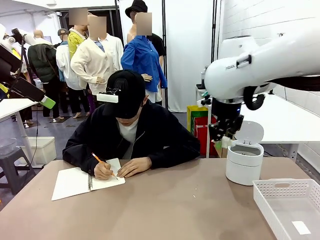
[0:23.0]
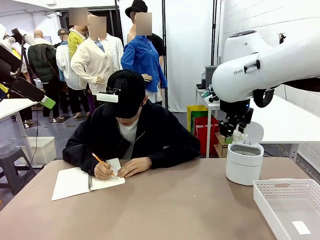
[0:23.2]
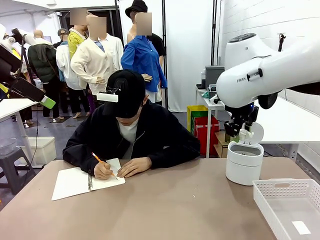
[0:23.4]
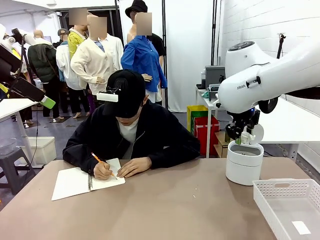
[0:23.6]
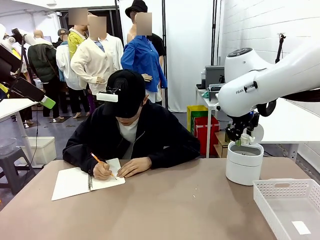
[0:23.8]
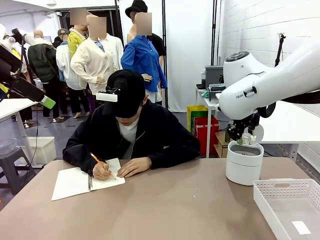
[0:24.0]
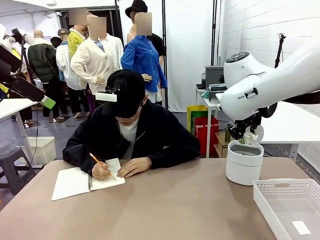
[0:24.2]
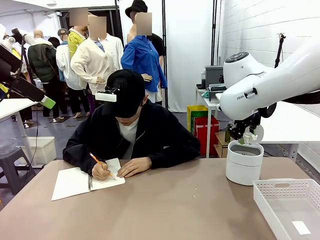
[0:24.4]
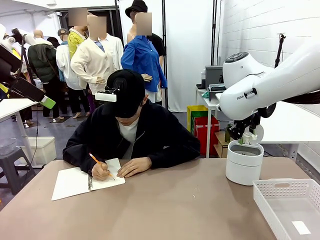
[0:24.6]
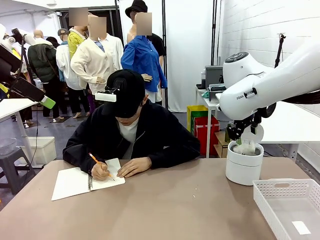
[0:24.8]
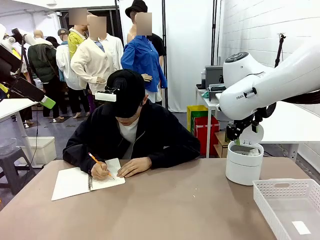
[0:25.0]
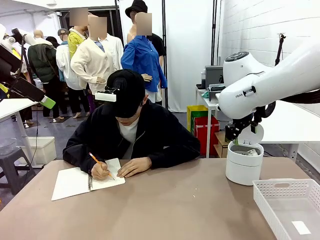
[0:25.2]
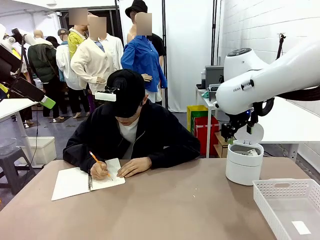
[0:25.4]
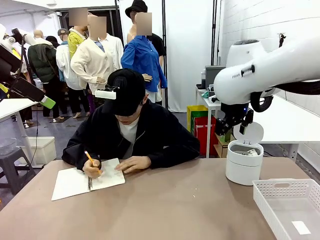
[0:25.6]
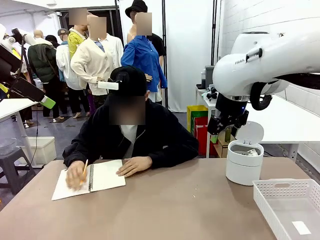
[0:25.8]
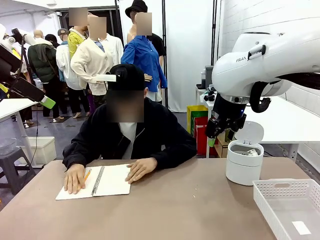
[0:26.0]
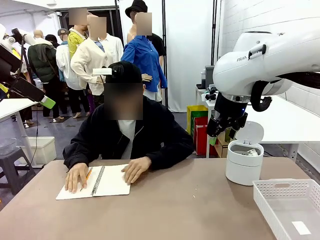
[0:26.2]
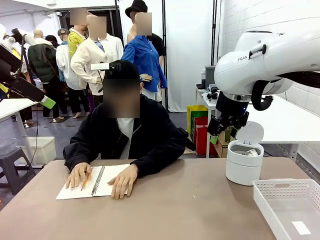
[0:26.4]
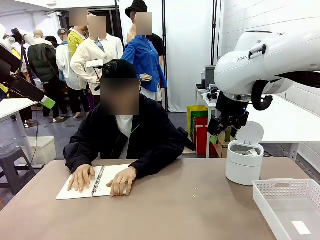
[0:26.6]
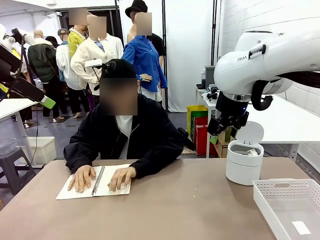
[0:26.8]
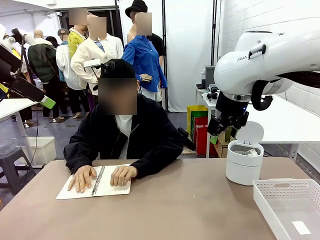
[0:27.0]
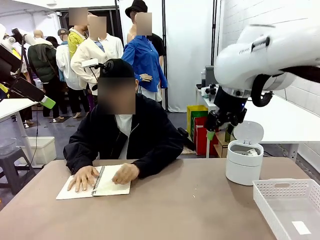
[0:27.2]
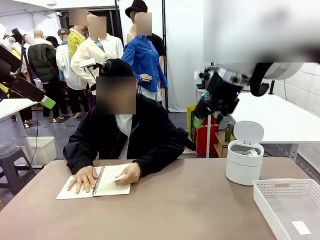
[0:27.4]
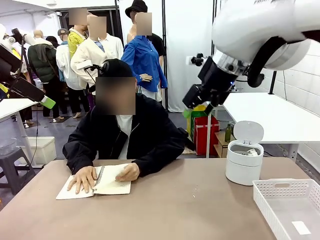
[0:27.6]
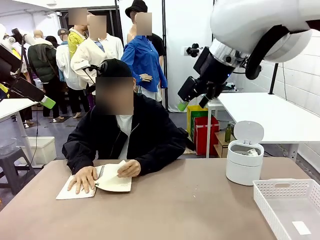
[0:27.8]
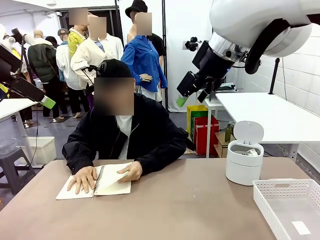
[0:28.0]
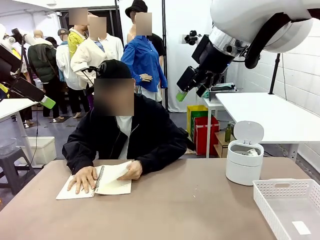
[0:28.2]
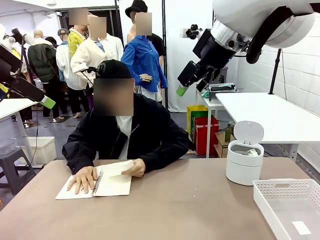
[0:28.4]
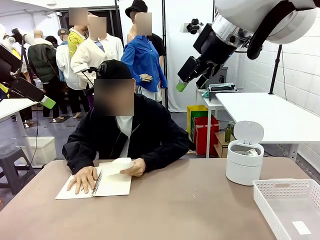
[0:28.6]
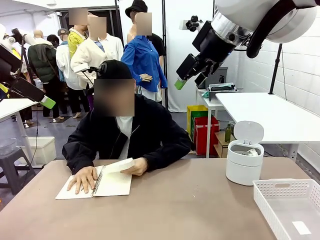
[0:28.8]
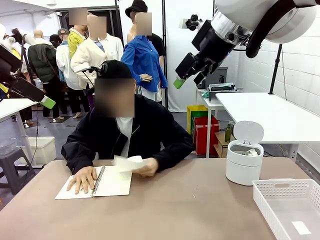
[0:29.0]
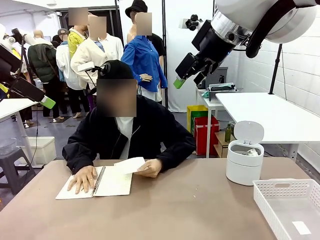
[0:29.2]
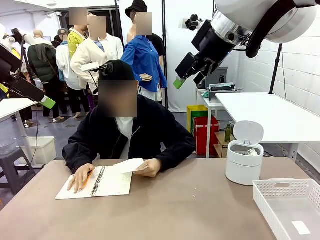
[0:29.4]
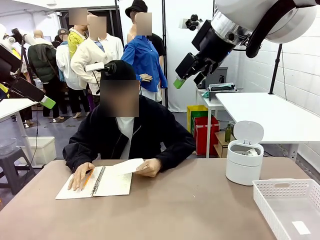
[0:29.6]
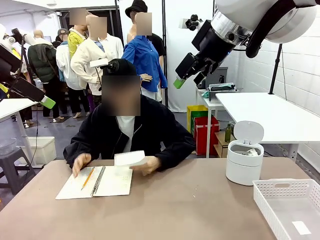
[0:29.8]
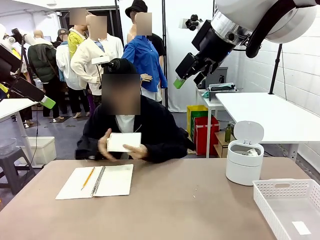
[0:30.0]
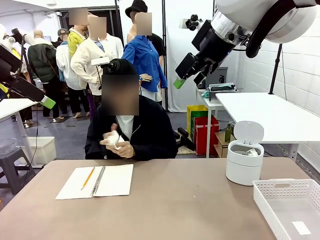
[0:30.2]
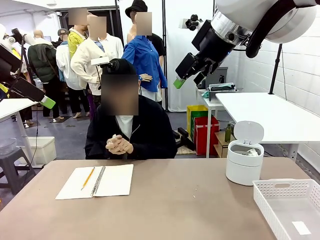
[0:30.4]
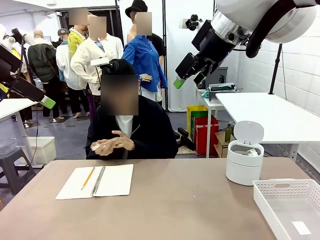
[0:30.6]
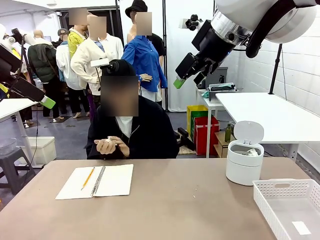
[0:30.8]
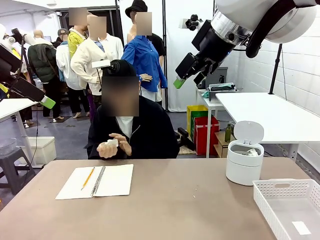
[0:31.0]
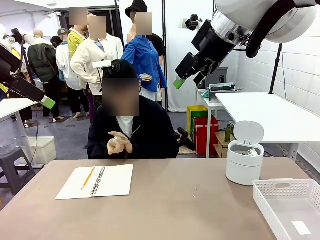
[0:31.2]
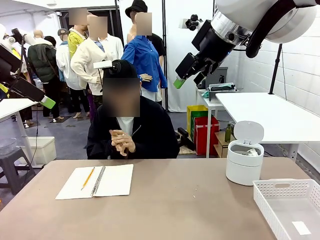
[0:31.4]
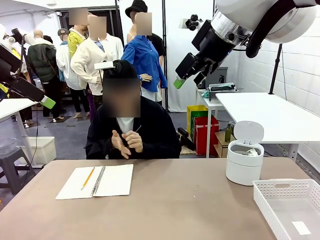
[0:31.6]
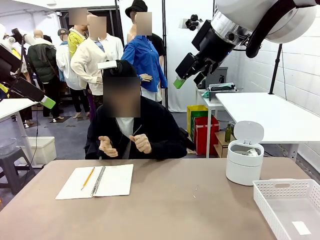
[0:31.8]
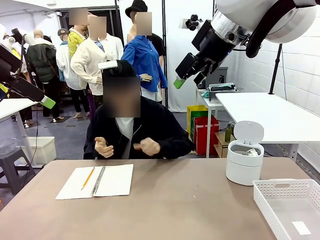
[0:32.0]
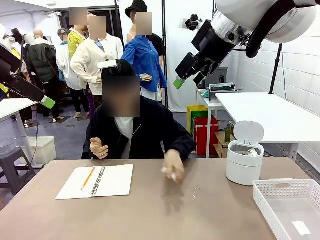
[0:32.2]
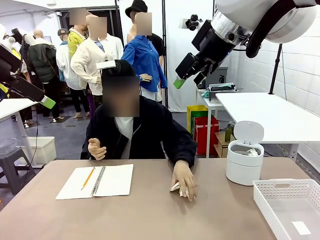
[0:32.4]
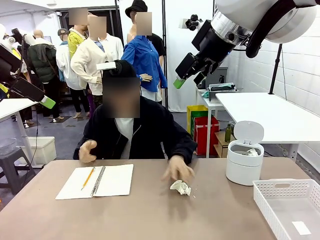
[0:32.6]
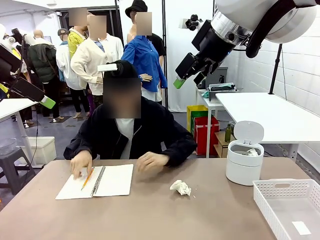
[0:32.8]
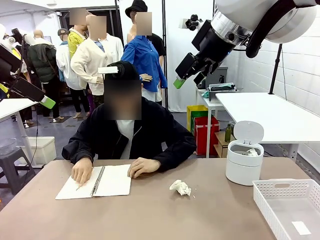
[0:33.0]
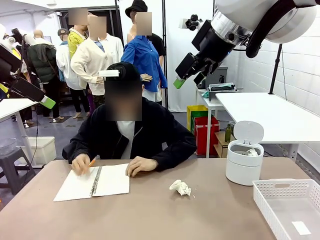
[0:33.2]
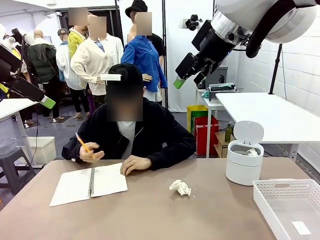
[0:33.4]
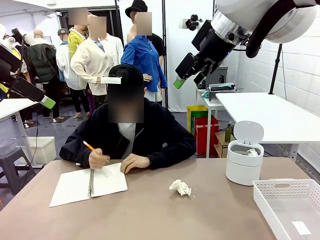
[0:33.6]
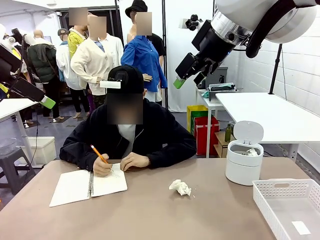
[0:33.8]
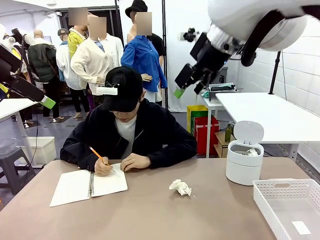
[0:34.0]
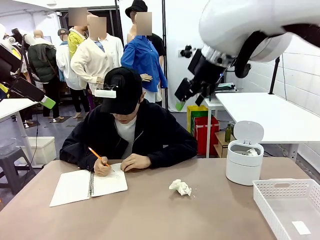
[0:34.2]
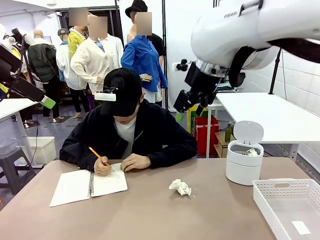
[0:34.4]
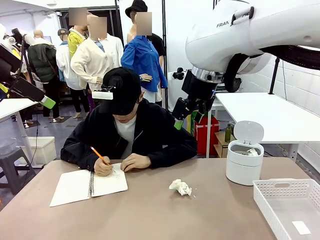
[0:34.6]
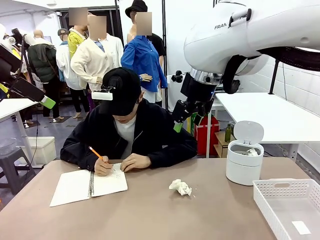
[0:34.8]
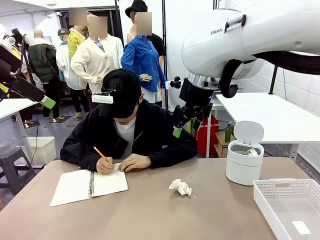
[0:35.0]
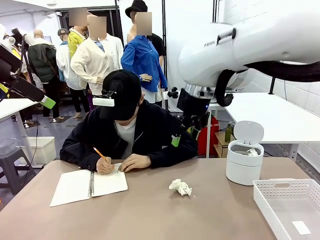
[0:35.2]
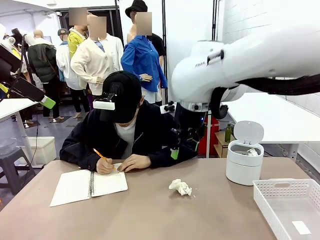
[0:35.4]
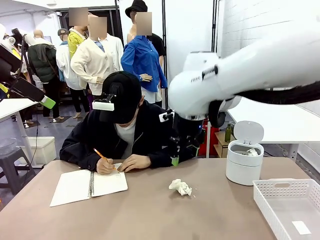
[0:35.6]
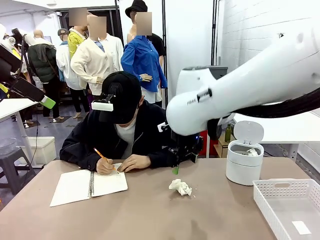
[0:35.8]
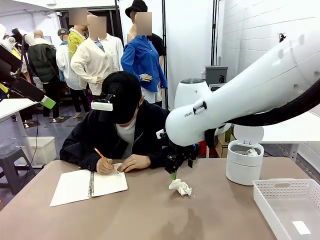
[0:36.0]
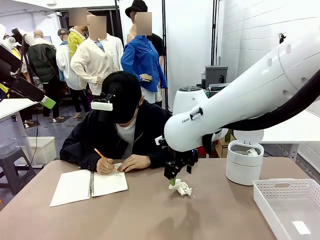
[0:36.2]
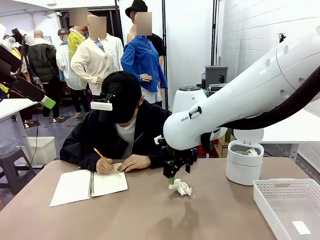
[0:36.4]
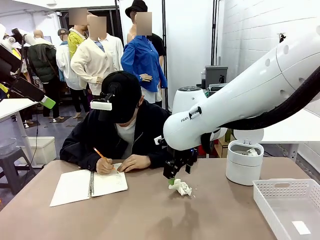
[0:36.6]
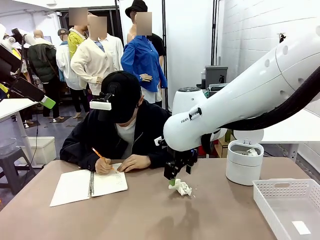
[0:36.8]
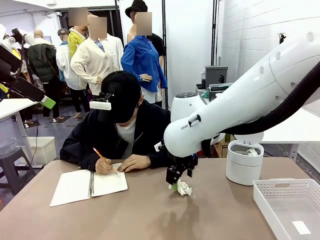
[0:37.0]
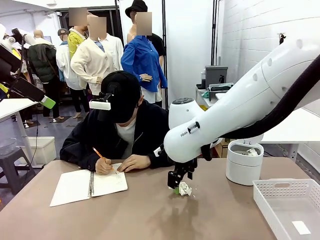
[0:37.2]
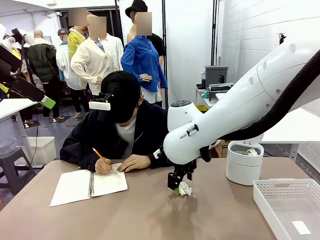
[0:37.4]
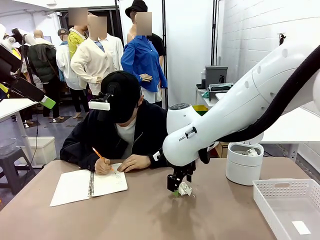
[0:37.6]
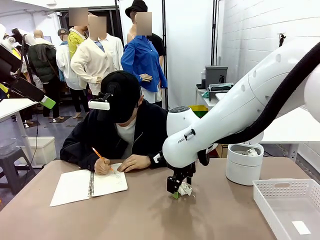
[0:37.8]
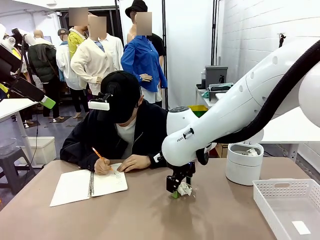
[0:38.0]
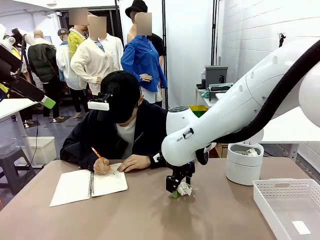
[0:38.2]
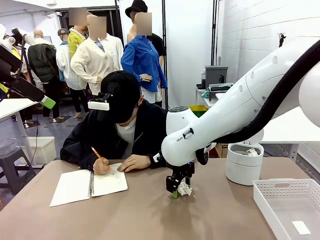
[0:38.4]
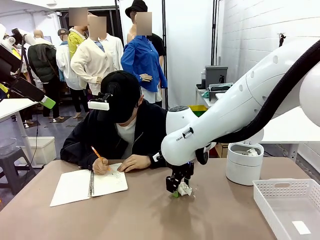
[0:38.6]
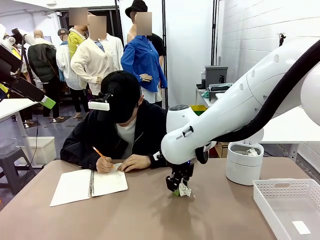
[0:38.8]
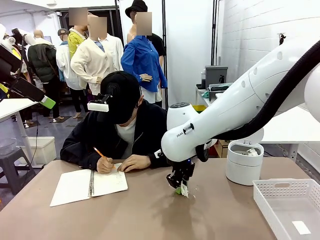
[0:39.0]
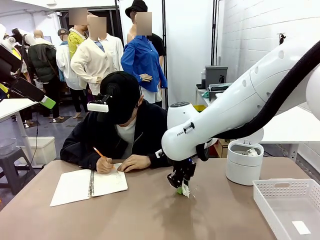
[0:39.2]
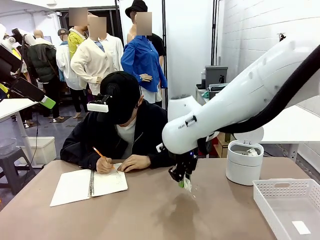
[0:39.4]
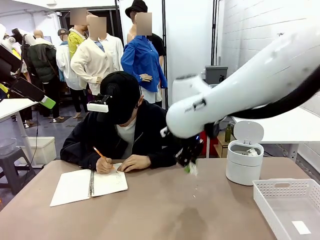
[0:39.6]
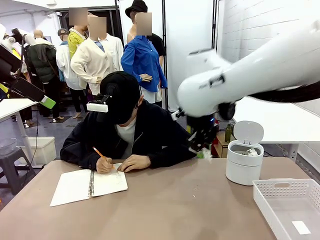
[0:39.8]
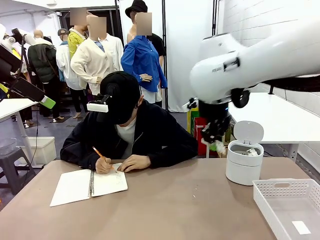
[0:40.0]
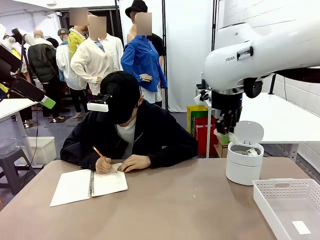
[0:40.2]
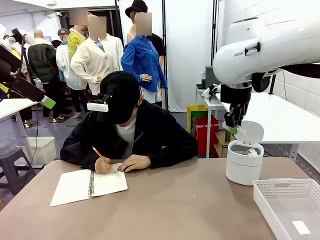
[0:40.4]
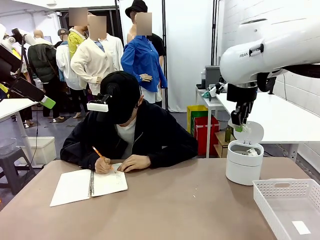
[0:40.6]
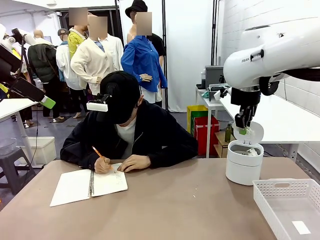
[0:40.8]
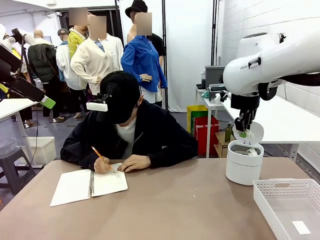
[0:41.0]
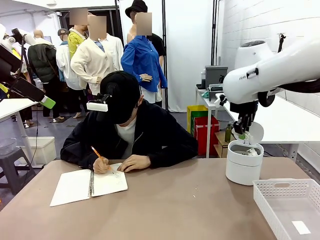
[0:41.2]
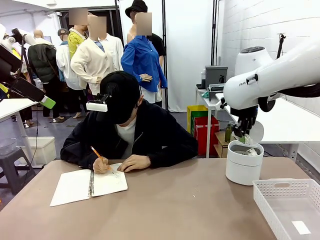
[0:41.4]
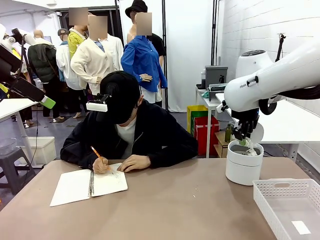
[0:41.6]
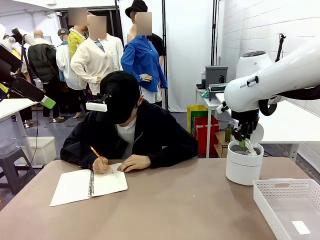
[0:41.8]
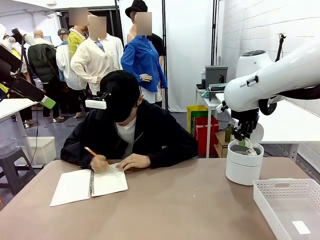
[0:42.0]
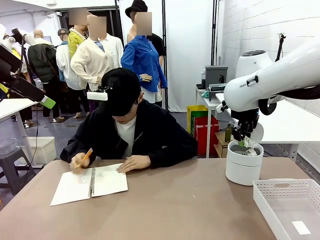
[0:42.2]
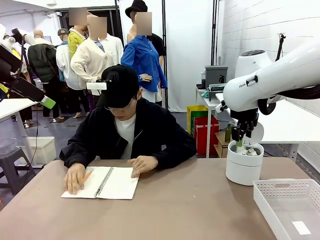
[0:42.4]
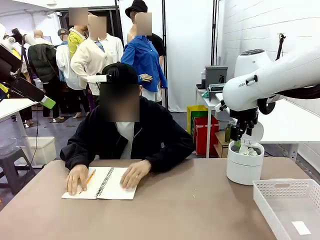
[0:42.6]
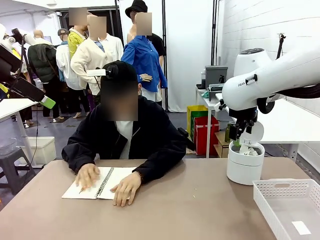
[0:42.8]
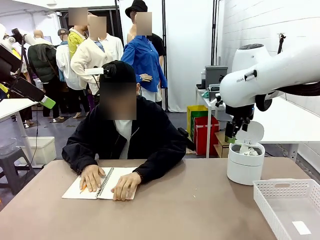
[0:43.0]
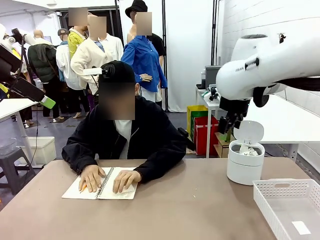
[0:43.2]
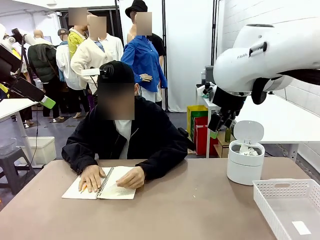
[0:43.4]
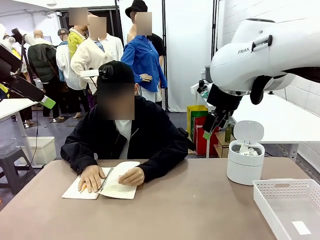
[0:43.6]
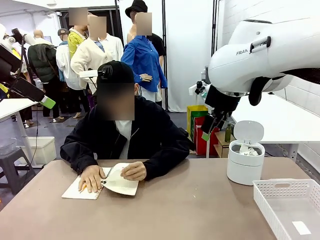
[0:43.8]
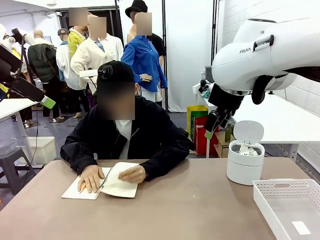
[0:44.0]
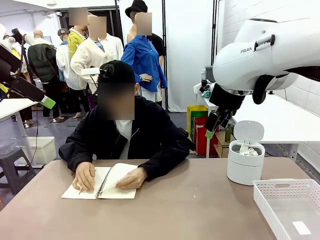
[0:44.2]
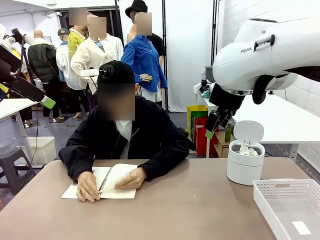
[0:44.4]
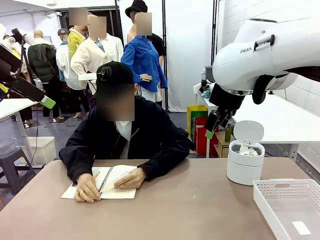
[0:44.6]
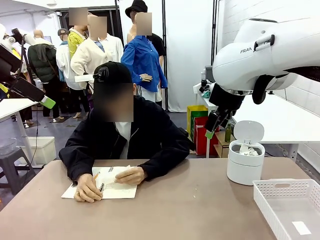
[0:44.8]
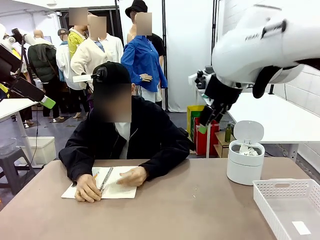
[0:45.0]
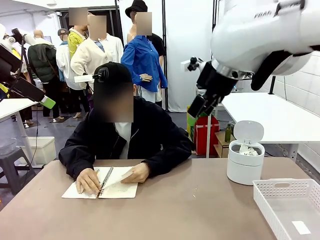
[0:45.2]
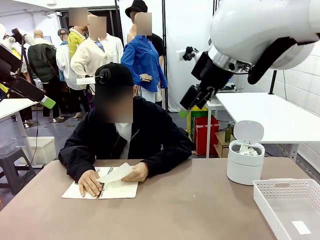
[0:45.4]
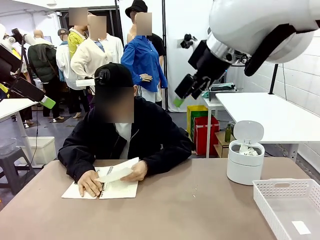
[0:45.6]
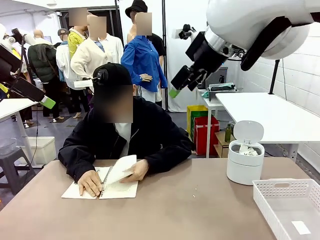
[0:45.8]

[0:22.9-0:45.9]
Task: Sort the paper based on its condition.
Robot: If a person hands you a paper, place it in the Organizing basket , and if it's crumpled, put it in the Trash can.
Person: Tear out a page from the spiral notebook. Hand the torn page to the robot or crumple it and throw it to the center of the table. Tear out a page from the spiral notebook.
